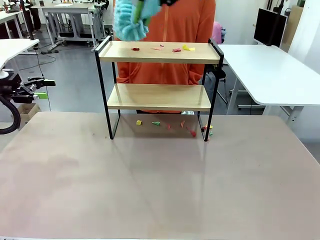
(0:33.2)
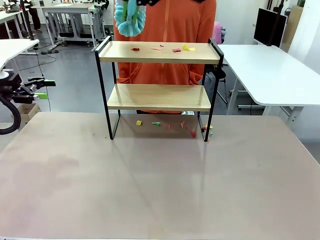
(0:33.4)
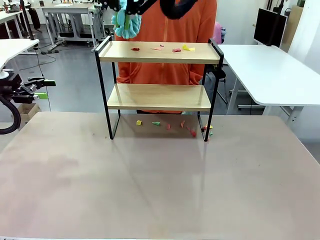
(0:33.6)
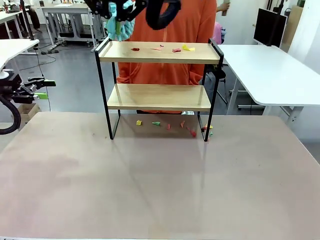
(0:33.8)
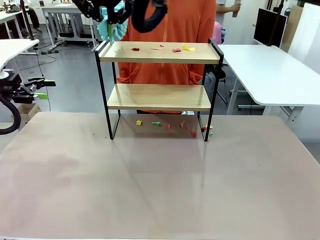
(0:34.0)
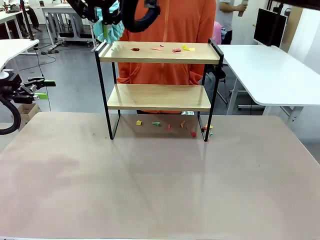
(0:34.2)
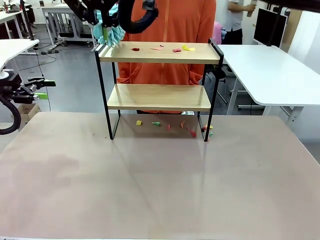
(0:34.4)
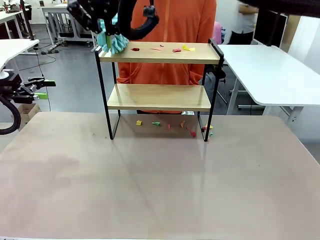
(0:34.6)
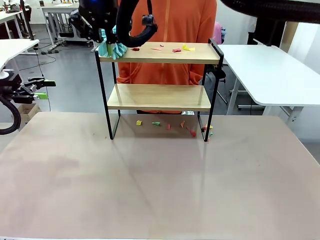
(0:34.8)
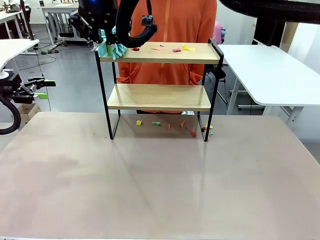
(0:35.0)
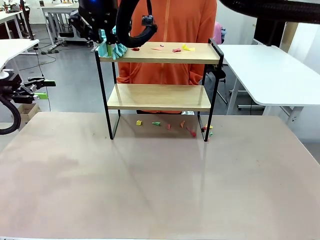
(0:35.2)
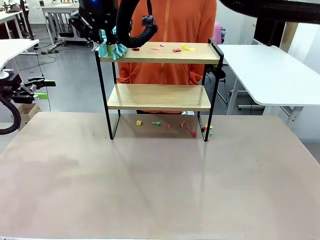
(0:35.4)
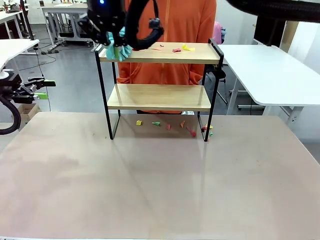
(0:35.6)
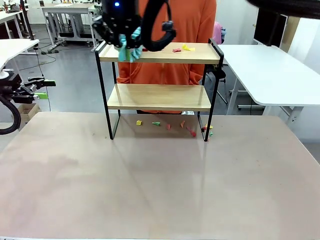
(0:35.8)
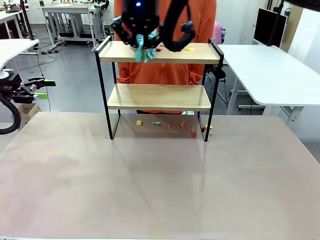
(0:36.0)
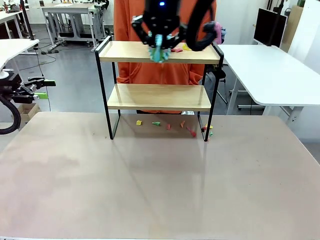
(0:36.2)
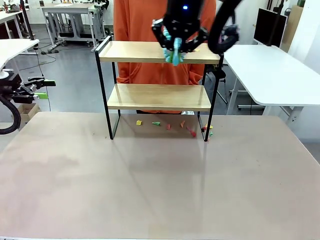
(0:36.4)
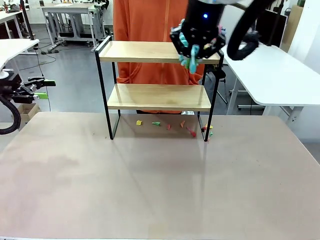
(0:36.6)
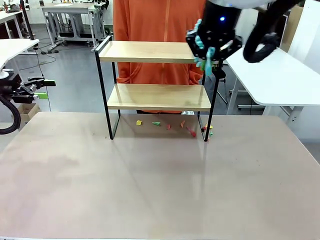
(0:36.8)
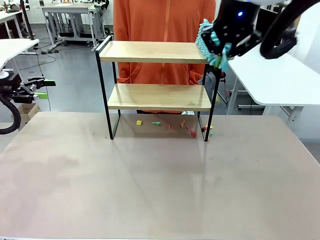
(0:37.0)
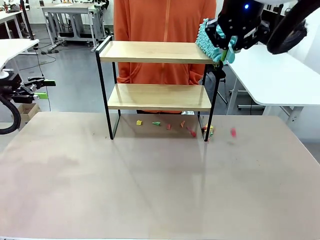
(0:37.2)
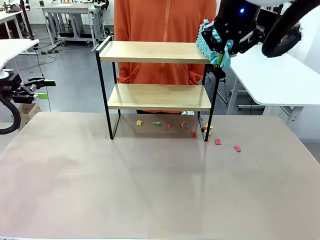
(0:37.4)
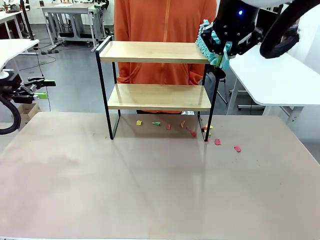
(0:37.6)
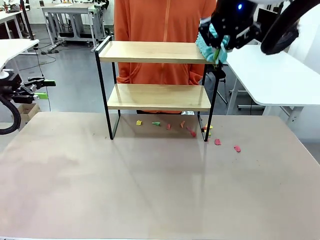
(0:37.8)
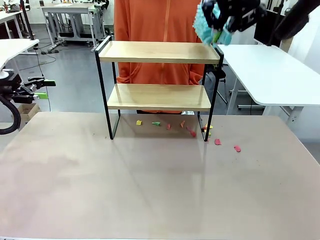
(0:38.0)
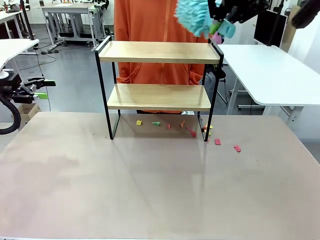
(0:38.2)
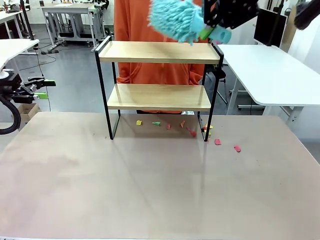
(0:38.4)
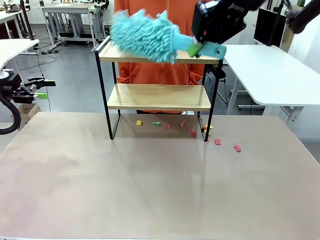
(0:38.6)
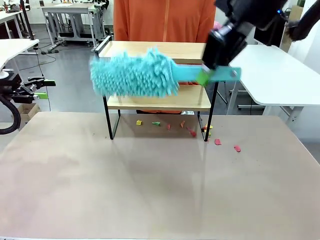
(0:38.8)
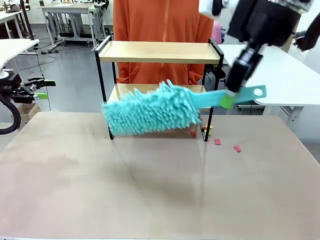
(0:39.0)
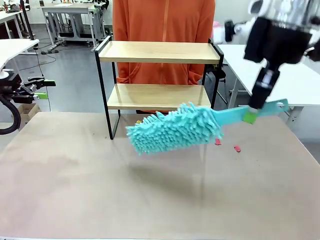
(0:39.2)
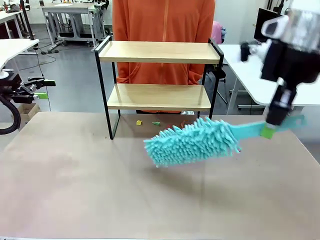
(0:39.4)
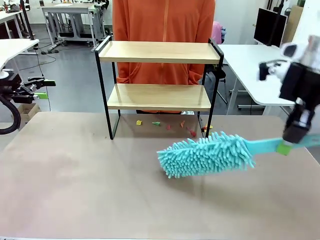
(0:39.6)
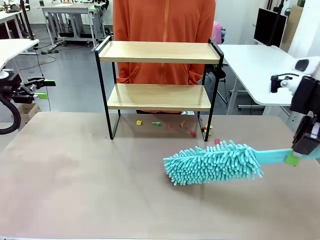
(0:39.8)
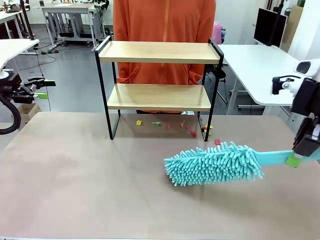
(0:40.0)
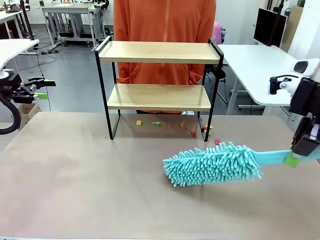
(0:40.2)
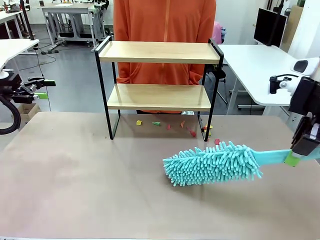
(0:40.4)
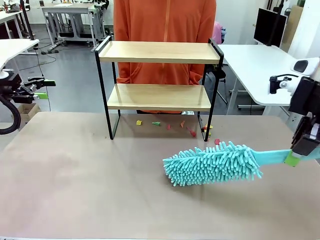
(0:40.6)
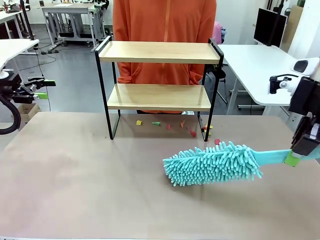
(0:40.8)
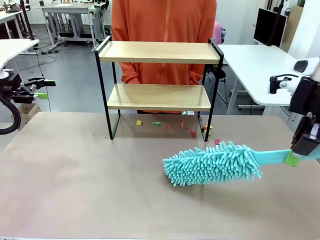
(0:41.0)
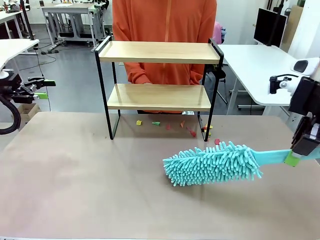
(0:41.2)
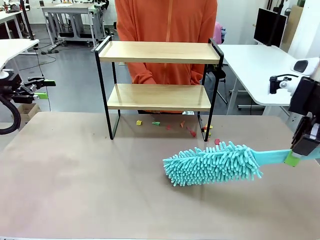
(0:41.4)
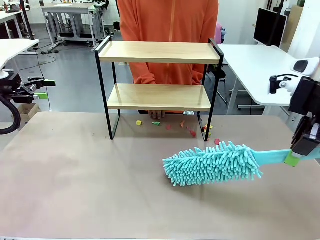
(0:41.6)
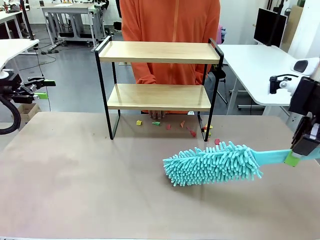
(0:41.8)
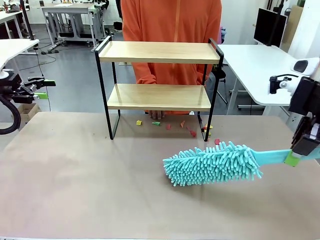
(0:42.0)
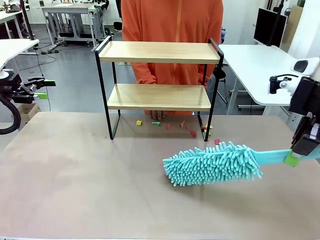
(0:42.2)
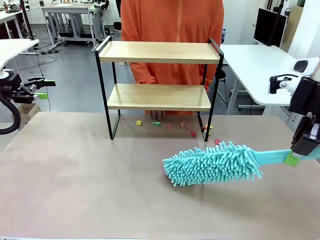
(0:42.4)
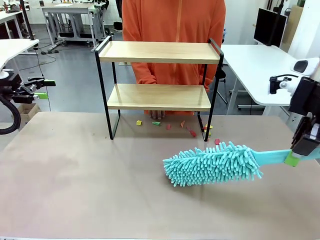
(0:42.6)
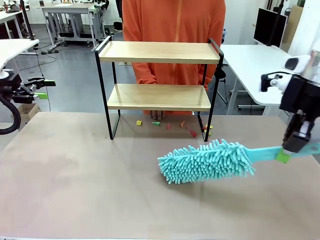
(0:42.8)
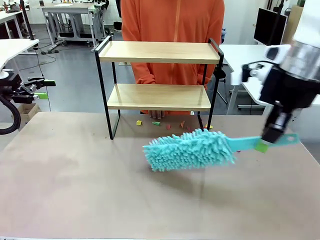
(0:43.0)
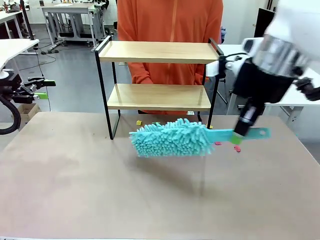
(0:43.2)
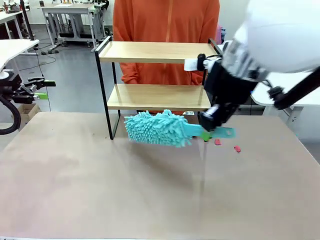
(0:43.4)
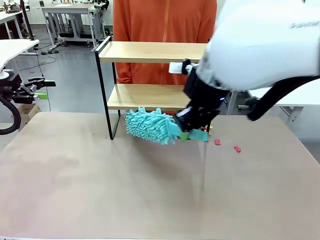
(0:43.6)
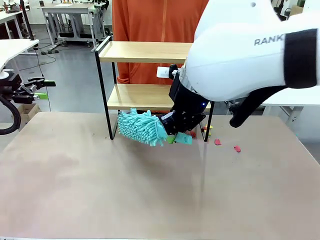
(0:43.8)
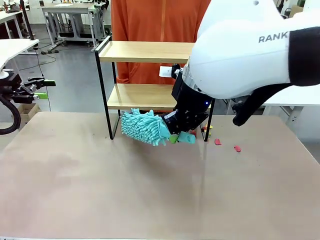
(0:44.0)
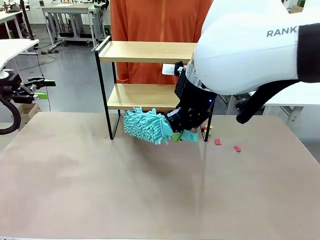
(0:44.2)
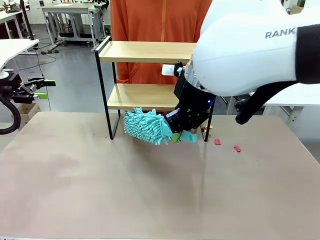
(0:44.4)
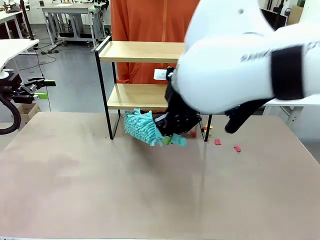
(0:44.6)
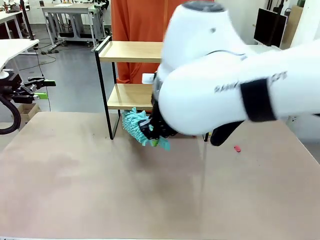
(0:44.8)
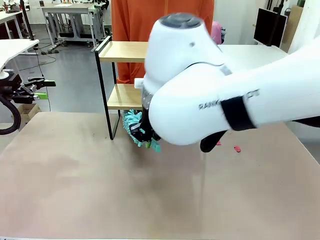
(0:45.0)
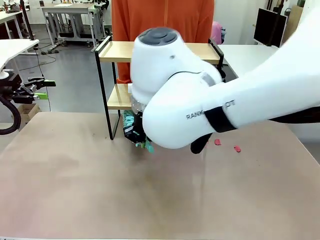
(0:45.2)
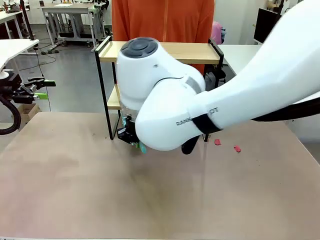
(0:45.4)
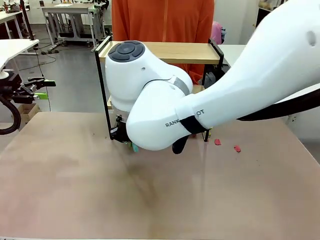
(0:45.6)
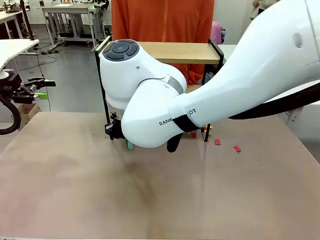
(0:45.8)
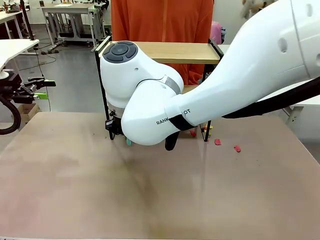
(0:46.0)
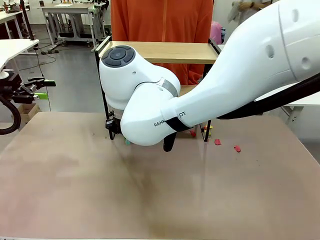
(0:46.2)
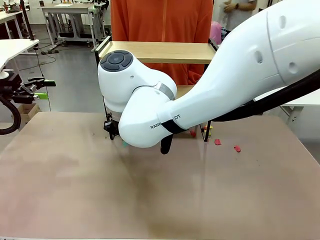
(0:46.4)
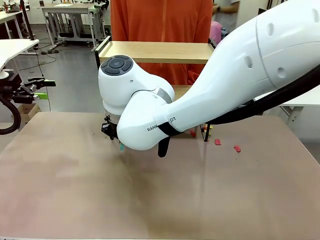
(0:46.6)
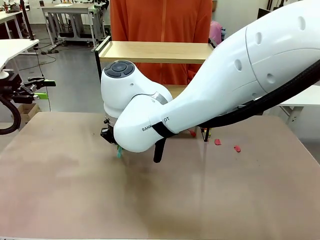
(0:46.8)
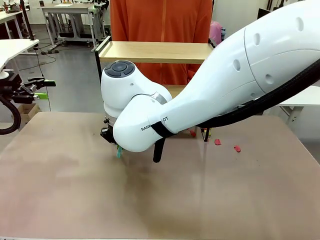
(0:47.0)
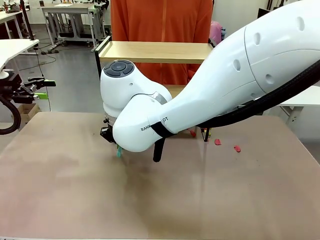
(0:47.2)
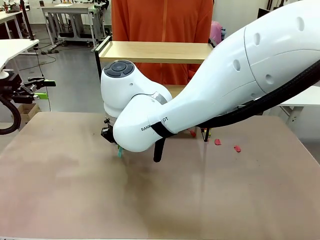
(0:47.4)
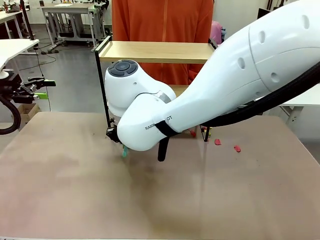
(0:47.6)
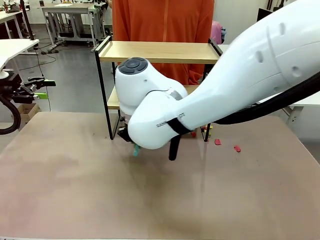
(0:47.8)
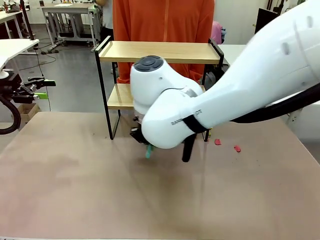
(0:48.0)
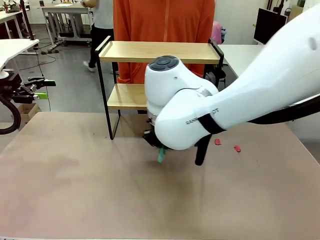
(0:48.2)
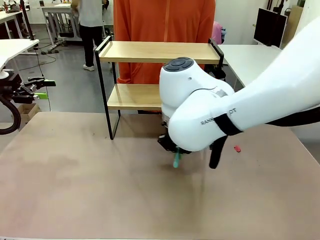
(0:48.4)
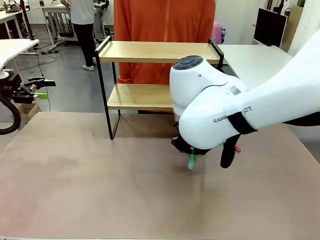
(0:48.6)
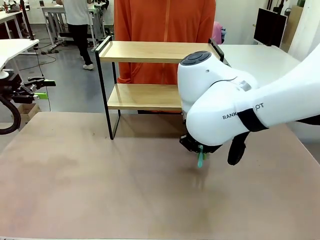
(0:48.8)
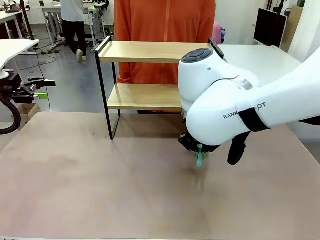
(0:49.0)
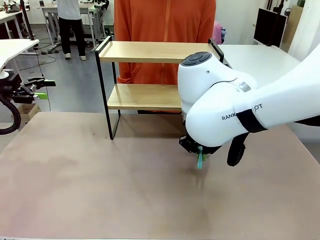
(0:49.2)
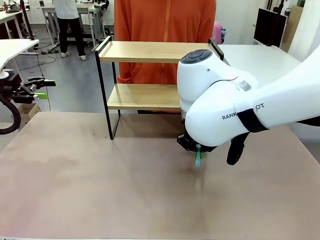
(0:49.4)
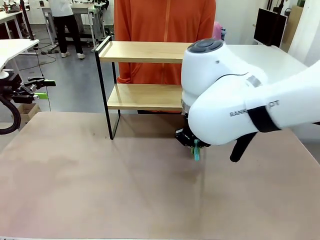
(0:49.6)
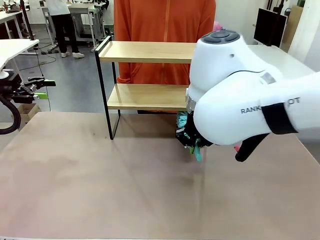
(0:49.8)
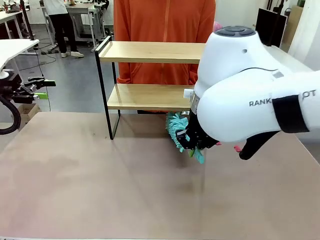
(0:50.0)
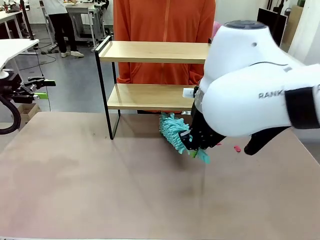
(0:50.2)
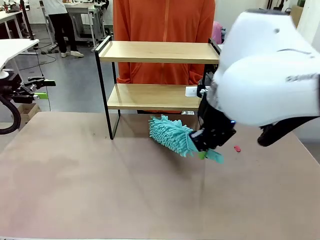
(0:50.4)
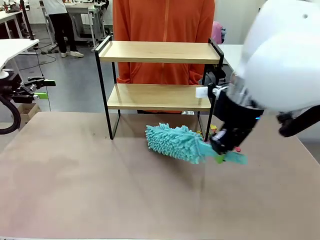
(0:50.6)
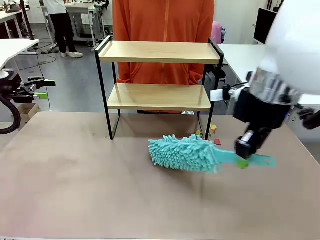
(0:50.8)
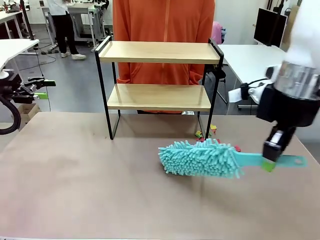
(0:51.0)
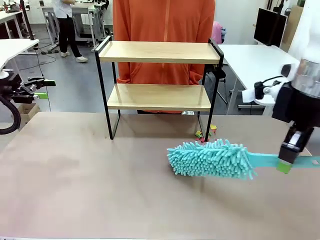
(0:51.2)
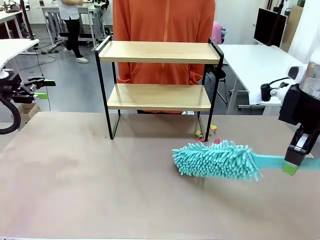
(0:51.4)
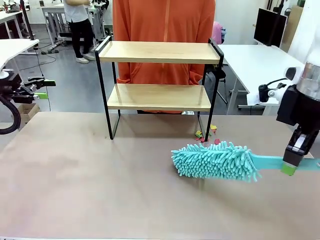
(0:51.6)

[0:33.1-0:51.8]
Task: Clean the shelf.
Robot: Clean the specific section of the Shelf indicated by the human with the Duster.
Person: Point a remaining section of the Shelf.
